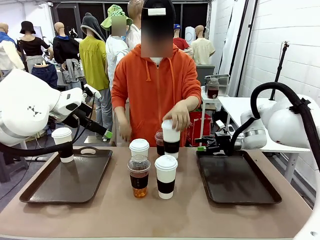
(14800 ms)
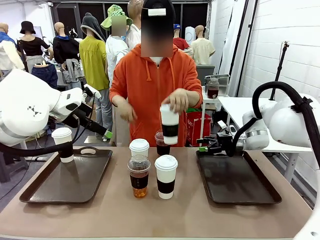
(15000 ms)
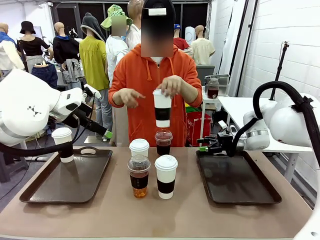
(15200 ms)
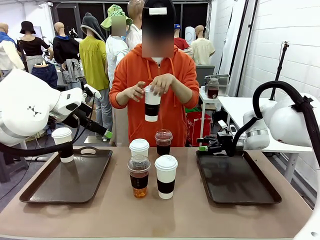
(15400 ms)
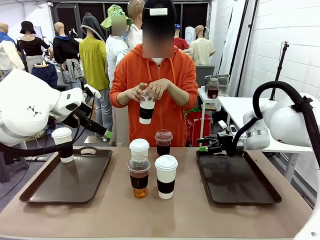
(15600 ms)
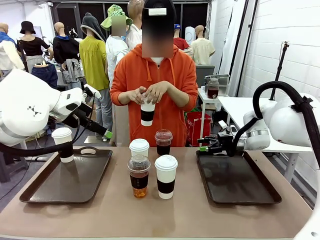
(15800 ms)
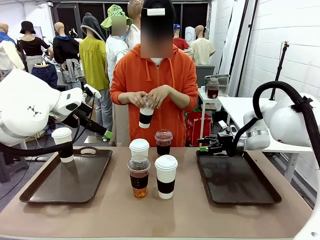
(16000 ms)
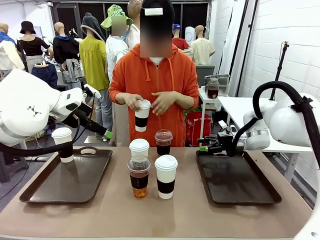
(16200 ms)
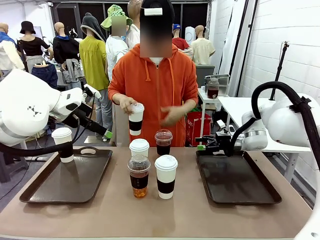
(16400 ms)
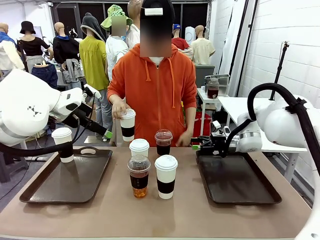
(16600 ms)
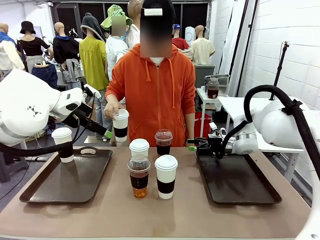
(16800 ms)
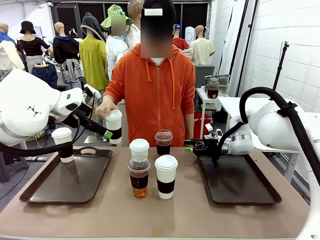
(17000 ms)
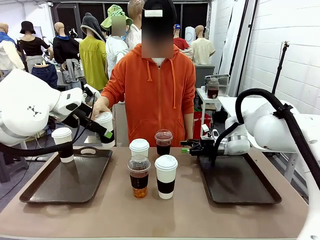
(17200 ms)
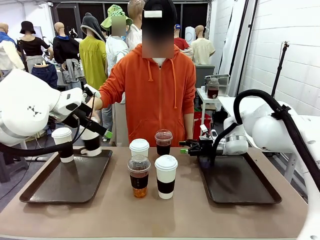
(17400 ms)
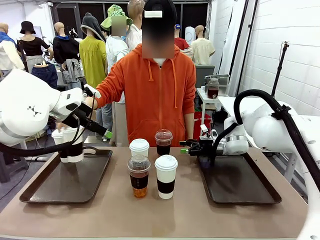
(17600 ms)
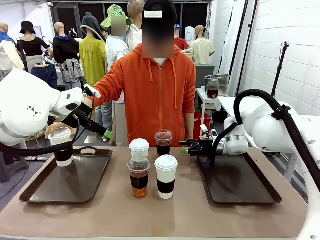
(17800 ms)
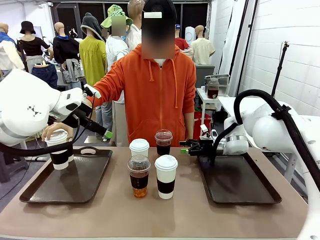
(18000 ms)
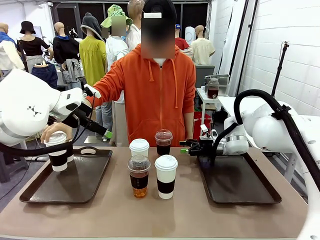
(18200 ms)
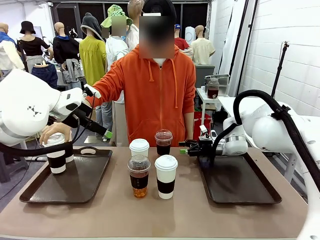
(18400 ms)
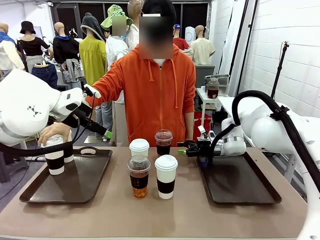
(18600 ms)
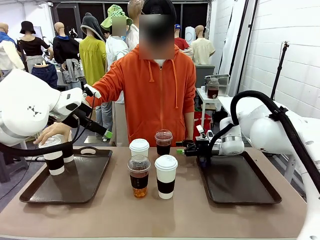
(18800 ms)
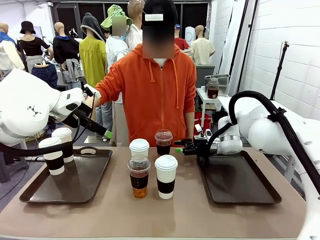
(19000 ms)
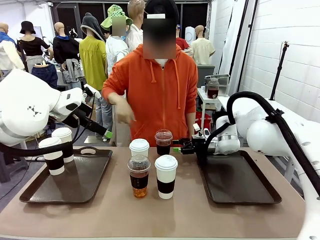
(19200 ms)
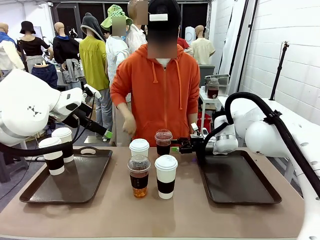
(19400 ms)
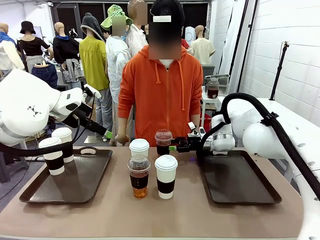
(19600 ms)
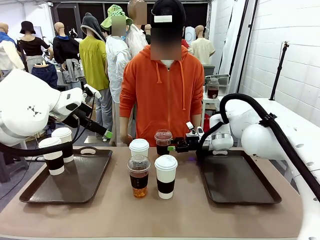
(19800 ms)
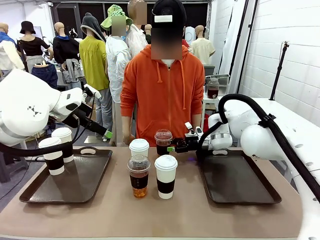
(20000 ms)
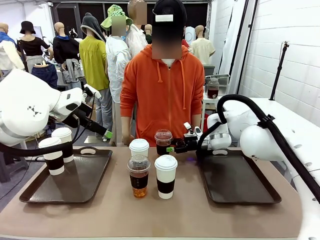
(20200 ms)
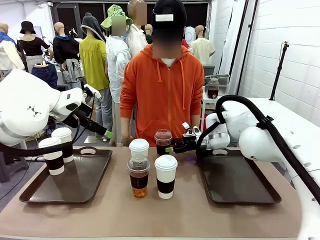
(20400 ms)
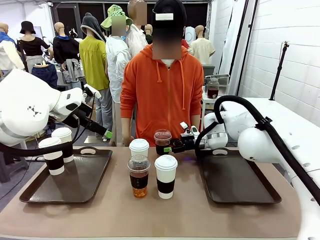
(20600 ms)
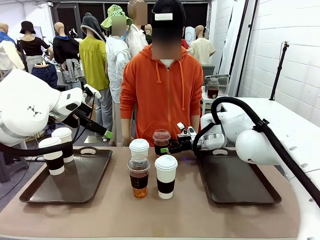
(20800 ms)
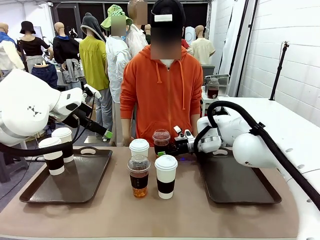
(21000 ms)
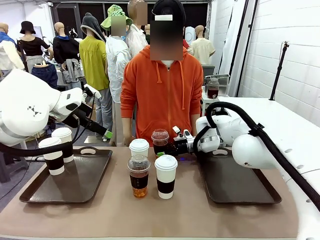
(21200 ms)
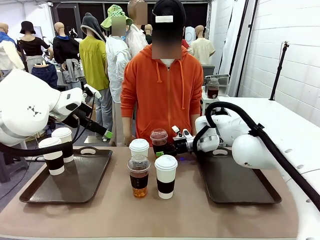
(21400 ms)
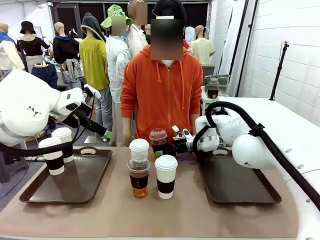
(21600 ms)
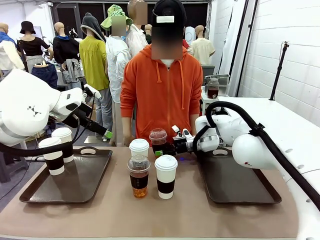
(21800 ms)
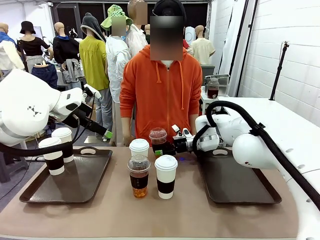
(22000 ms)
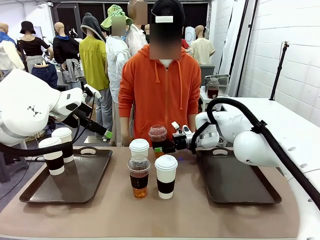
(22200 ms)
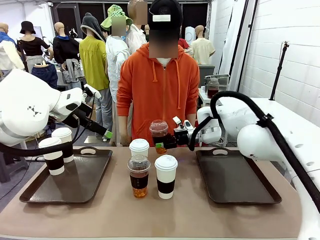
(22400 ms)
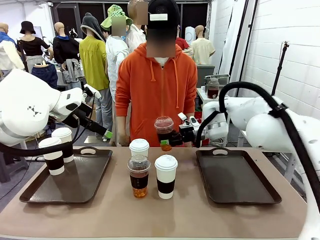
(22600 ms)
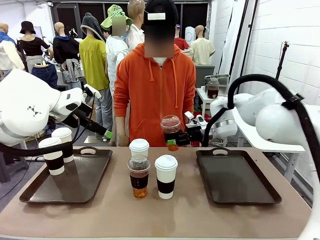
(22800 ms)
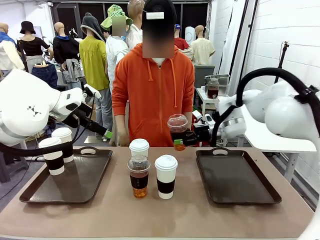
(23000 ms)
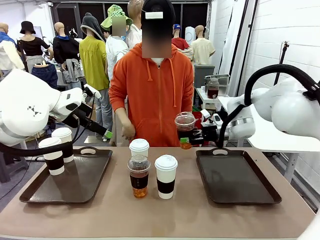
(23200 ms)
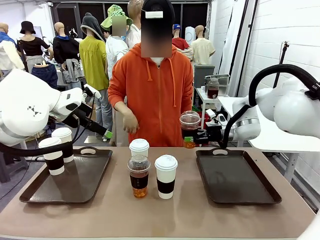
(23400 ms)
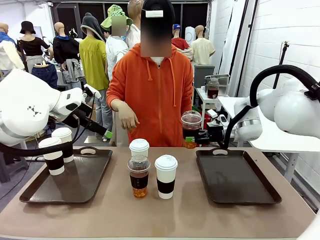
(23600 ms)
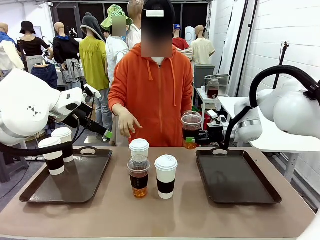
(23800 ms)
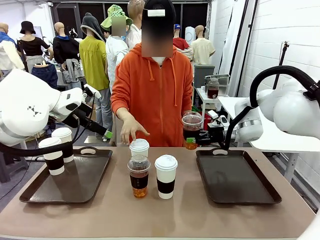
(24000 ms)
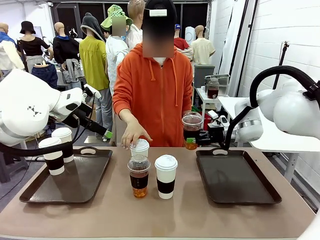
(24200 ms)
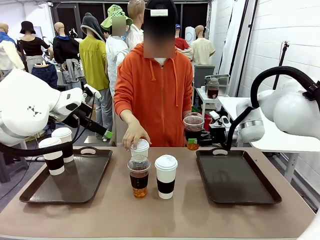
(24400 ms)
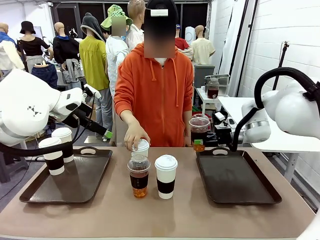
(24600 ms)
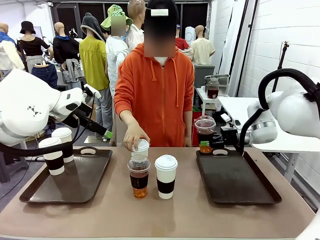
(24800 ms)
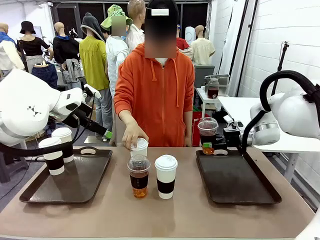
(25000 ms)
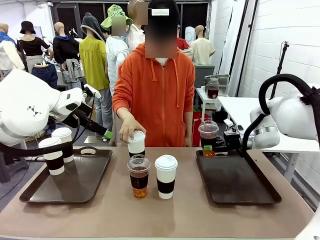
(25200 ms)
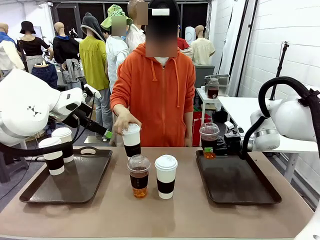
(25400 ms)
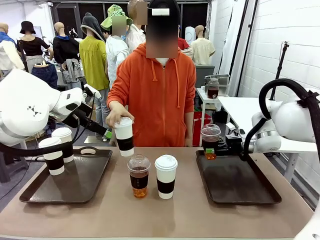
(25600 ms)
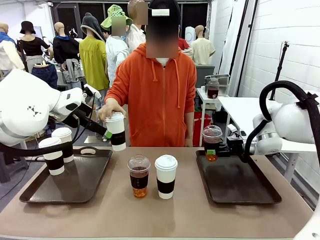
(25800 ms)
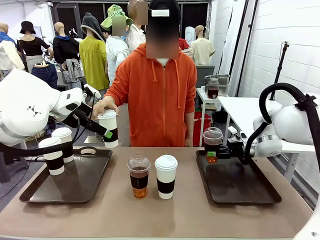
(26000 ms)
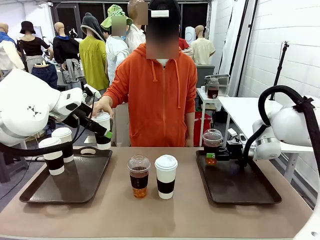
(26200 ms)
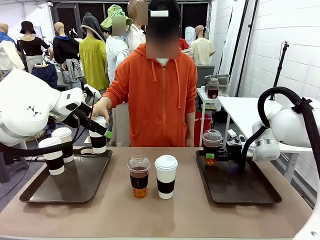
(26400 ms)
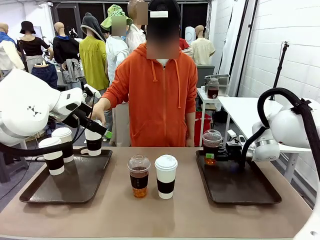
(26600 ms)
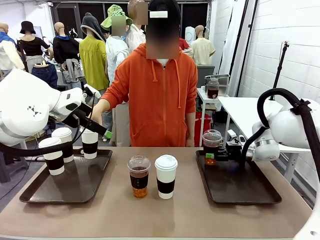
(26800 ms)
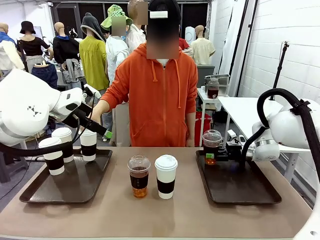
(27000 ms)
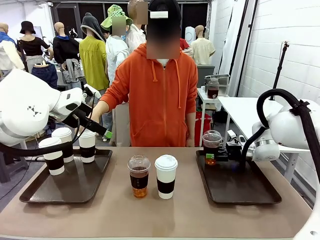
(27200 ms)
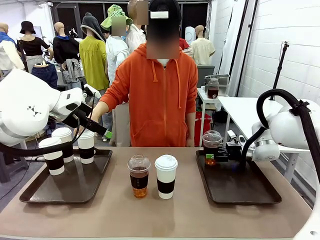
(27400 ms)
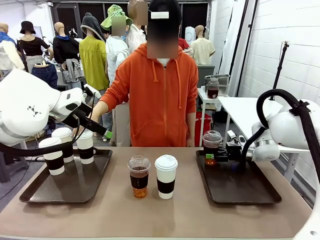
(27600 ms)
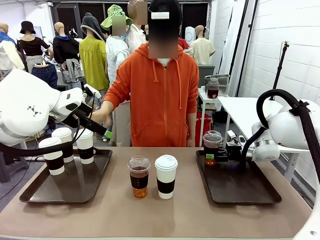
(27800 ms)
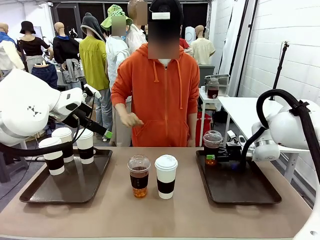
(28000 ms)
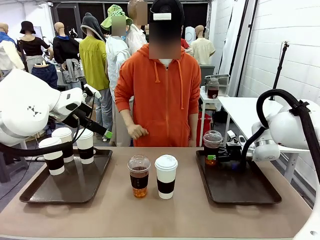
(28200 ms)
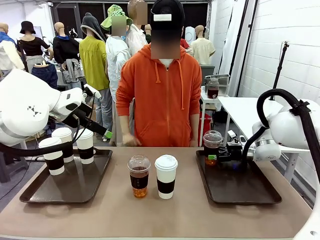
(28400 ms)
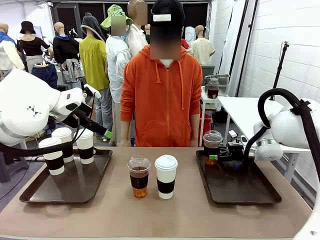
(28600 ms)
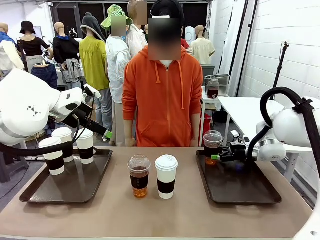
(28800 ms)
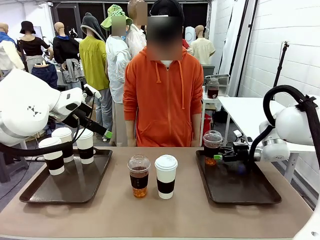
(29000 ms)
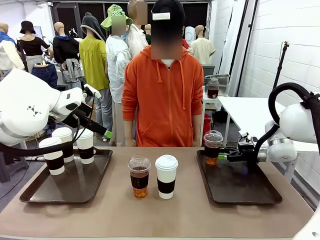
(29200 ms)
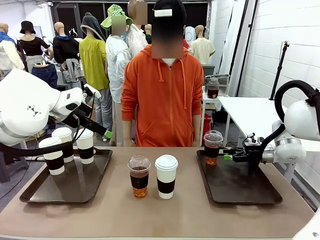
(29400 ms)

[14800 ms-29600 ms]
Task: Distribute the coffee onto the tray.
Robot: Pick up one iced Americano and place it on the right Handle tray.
